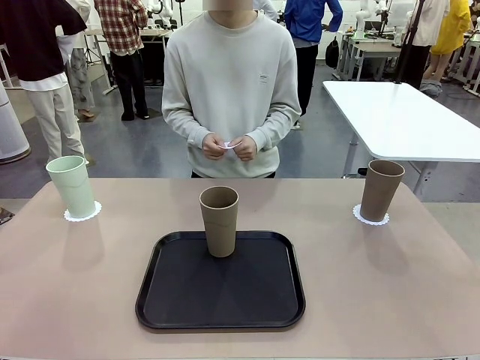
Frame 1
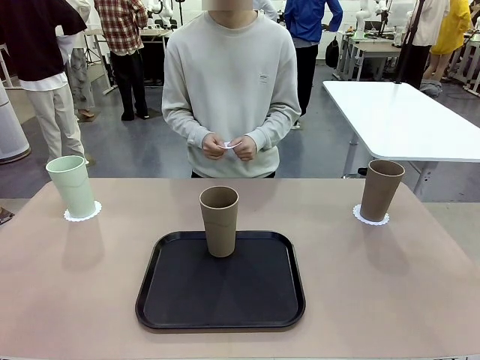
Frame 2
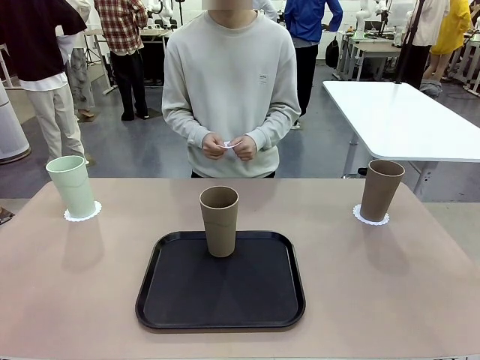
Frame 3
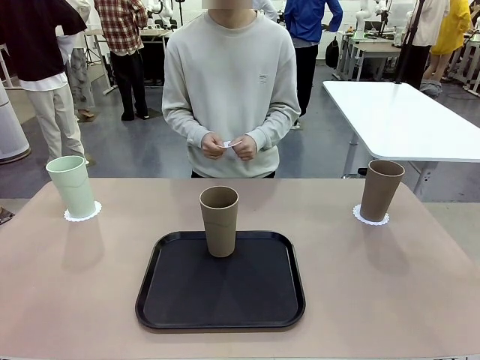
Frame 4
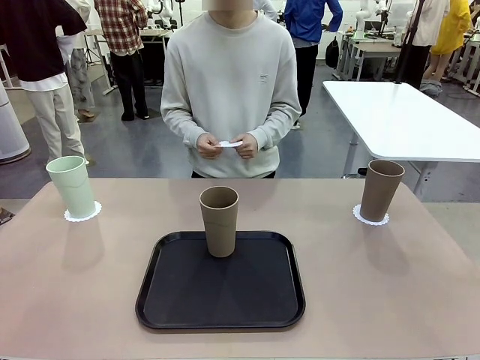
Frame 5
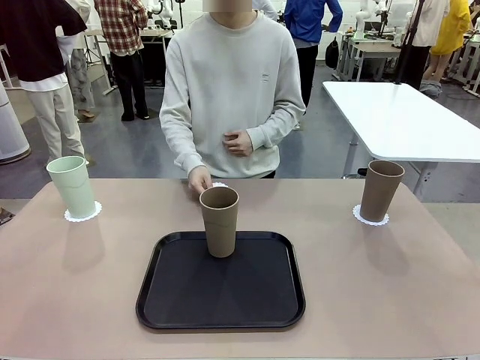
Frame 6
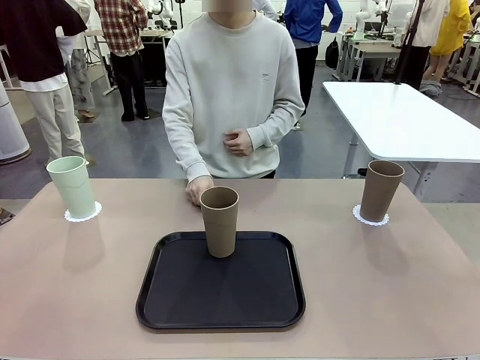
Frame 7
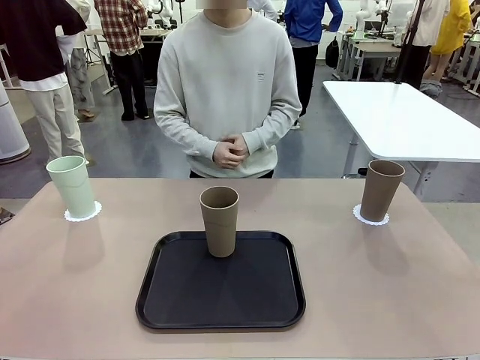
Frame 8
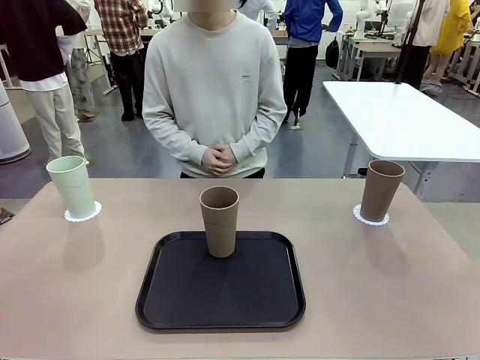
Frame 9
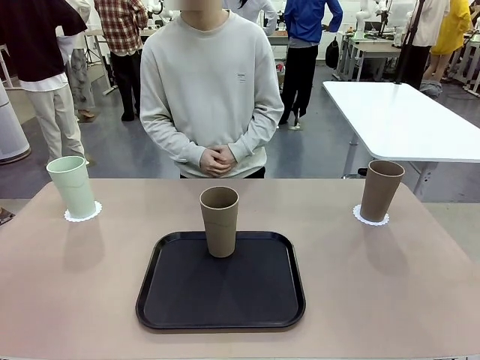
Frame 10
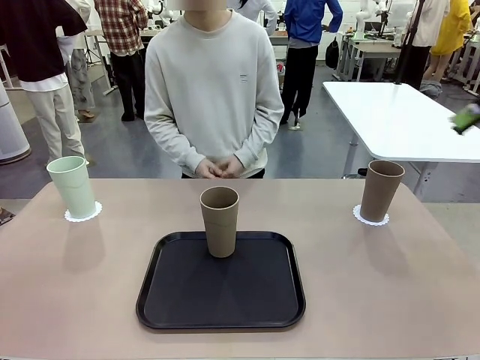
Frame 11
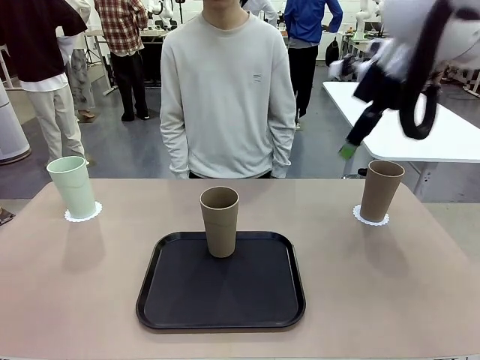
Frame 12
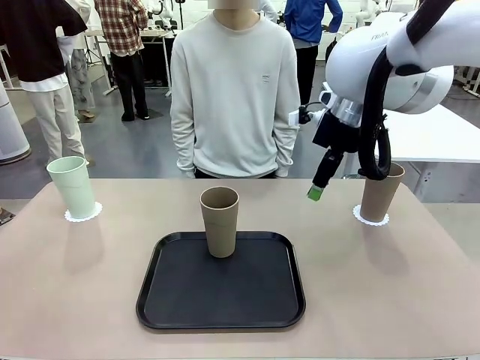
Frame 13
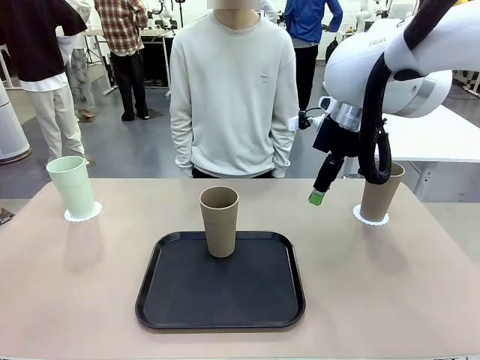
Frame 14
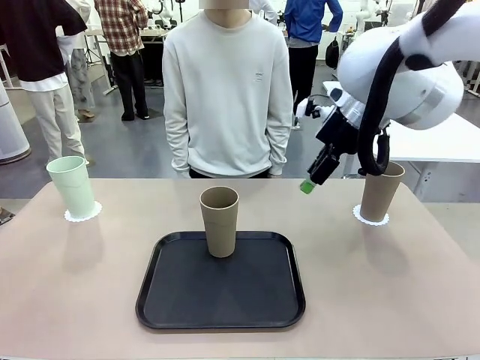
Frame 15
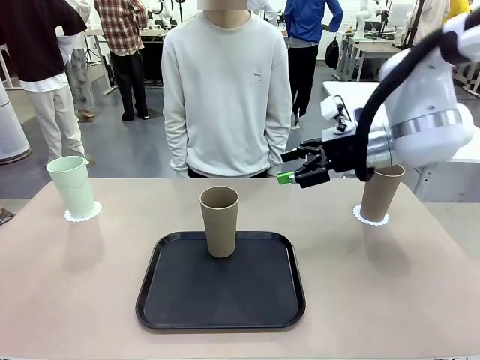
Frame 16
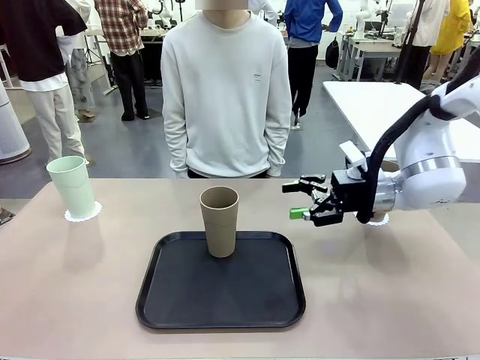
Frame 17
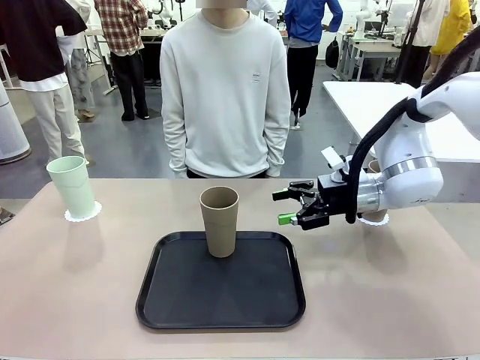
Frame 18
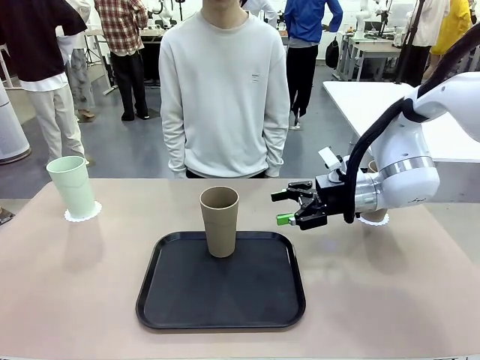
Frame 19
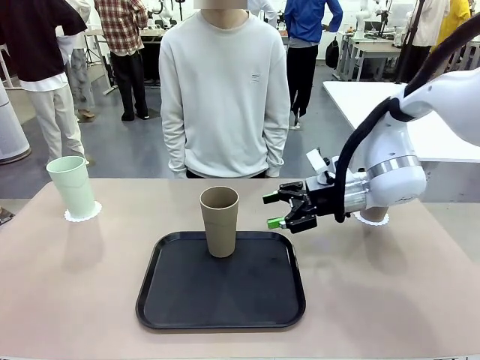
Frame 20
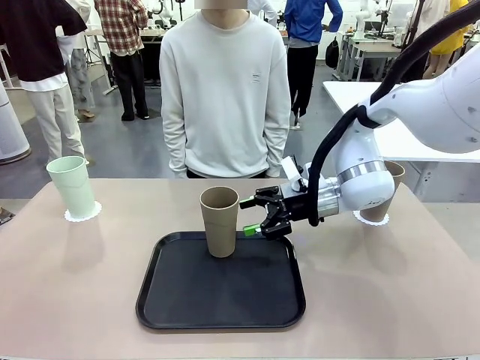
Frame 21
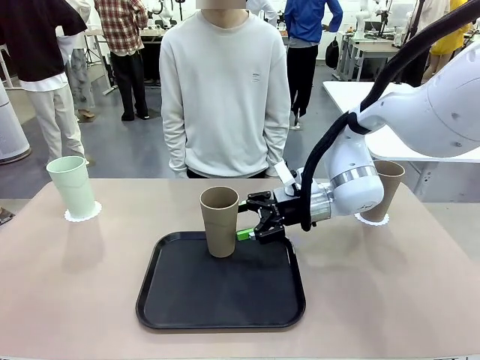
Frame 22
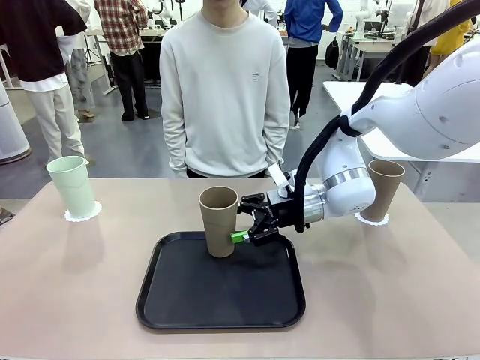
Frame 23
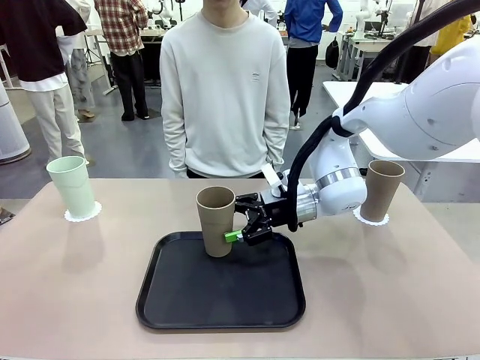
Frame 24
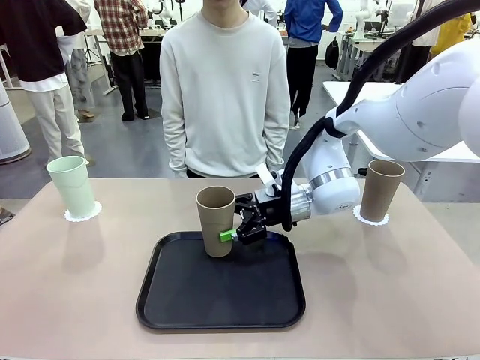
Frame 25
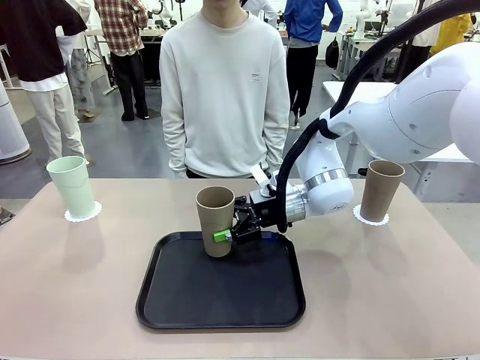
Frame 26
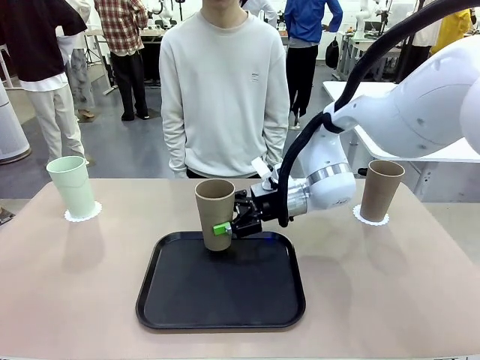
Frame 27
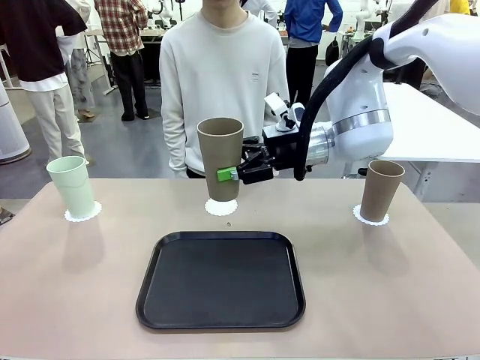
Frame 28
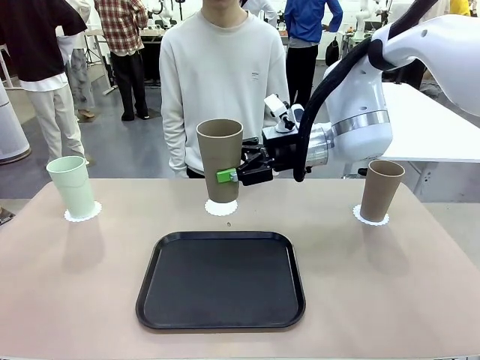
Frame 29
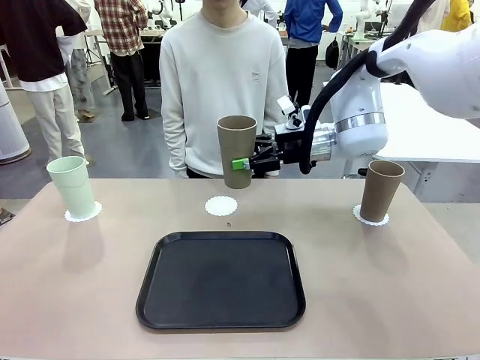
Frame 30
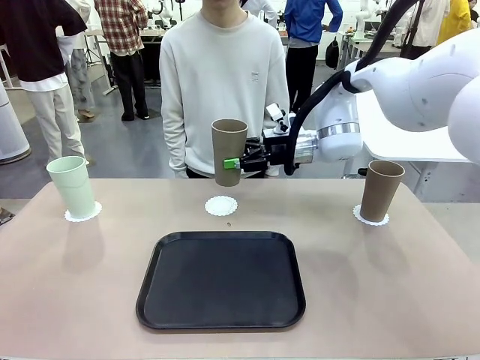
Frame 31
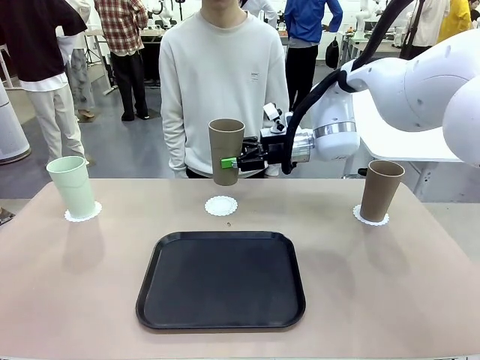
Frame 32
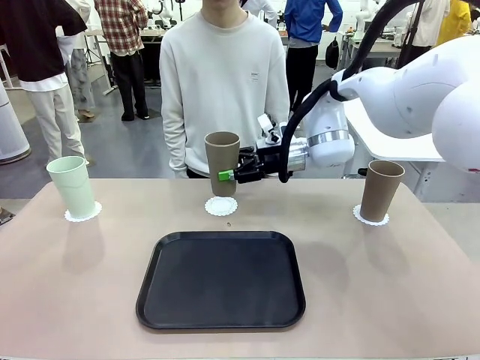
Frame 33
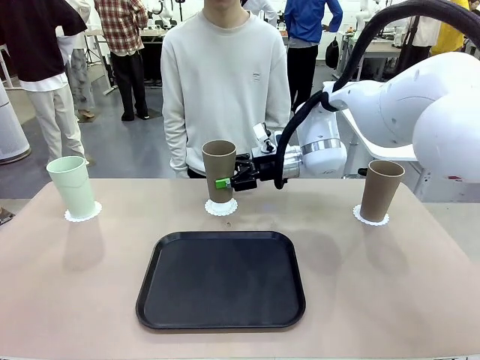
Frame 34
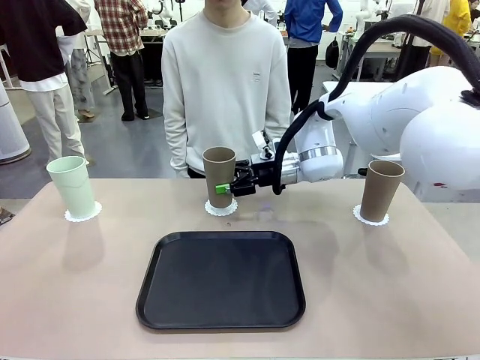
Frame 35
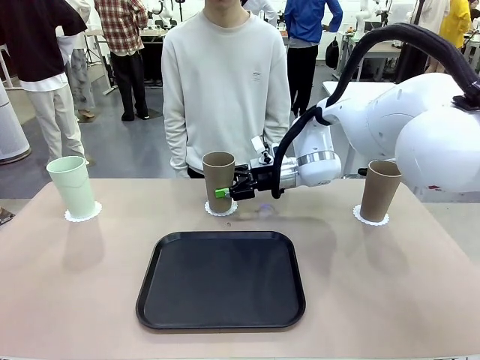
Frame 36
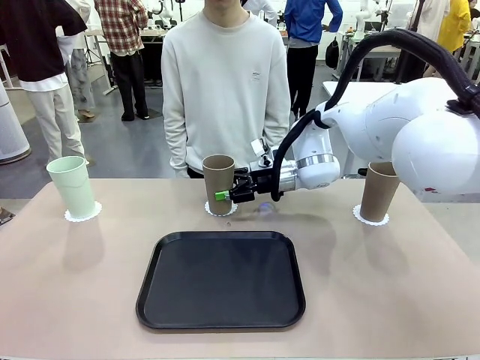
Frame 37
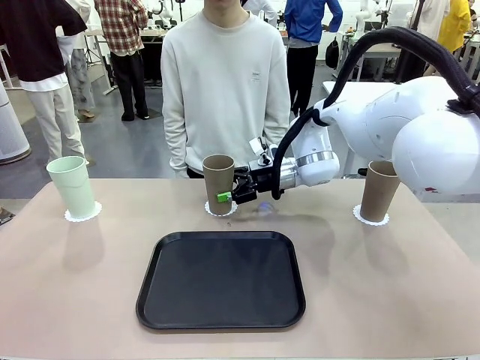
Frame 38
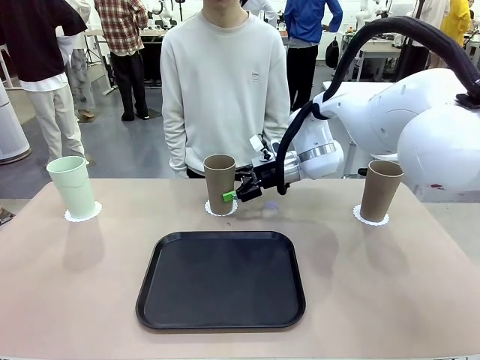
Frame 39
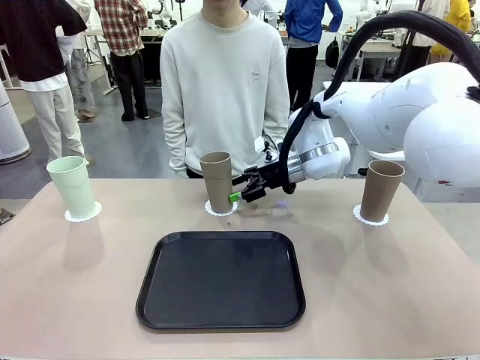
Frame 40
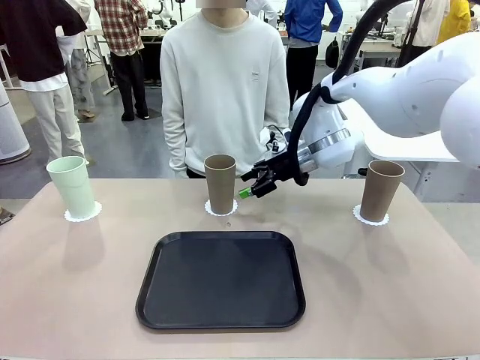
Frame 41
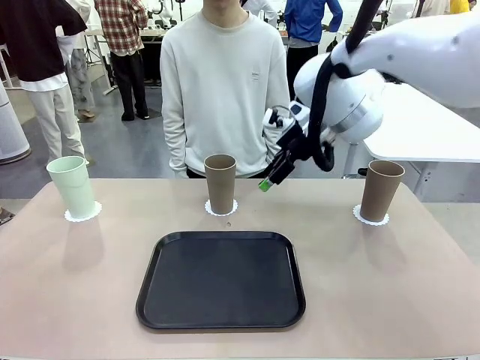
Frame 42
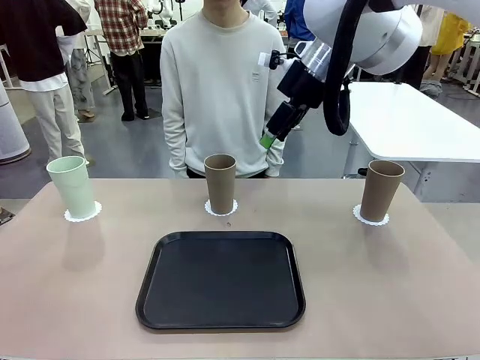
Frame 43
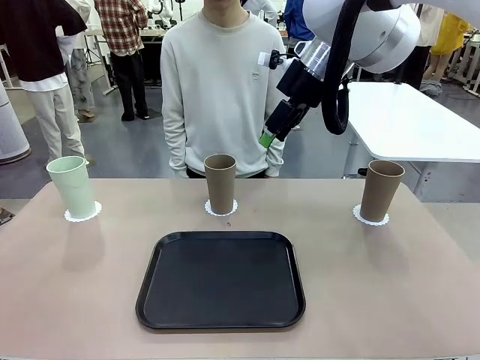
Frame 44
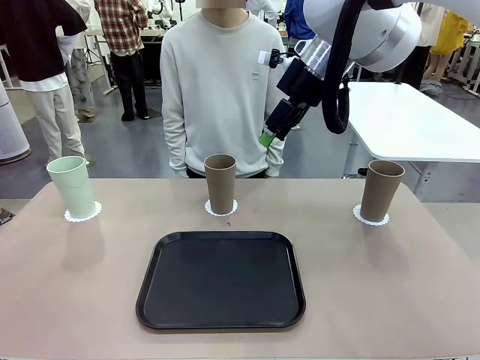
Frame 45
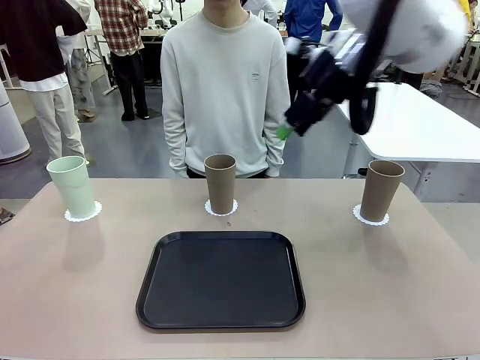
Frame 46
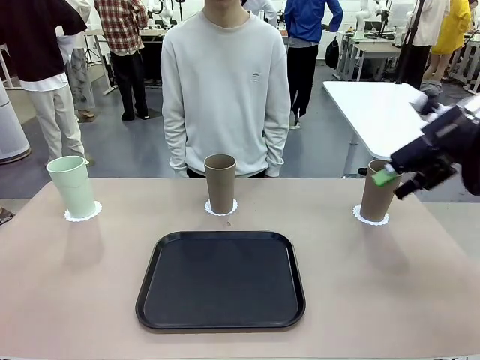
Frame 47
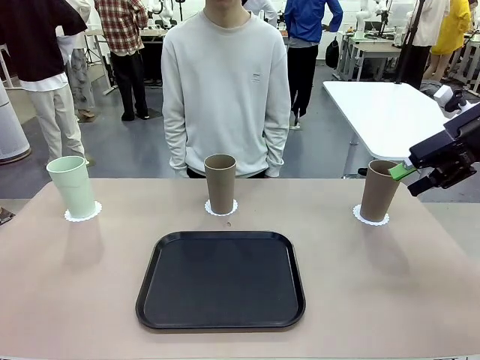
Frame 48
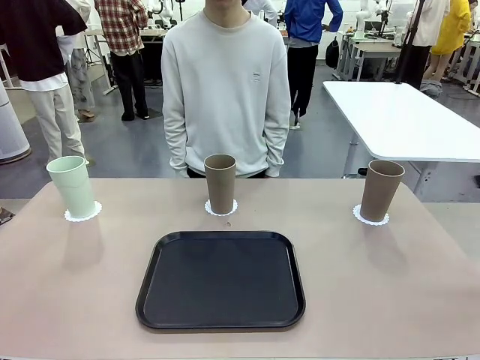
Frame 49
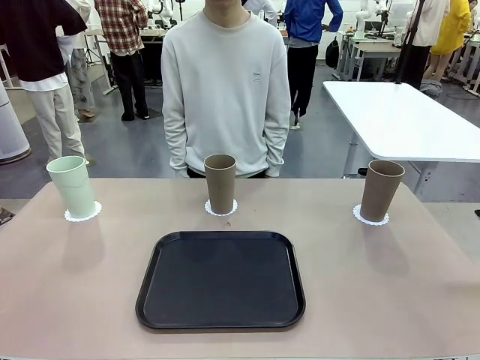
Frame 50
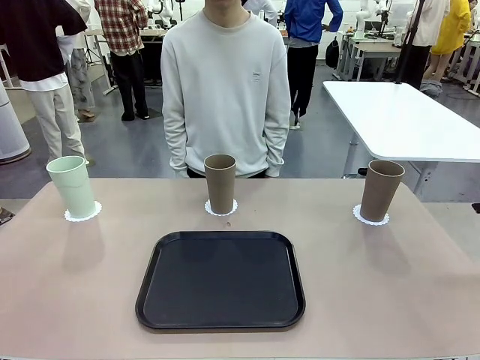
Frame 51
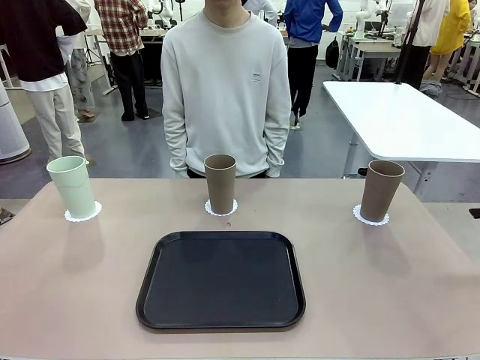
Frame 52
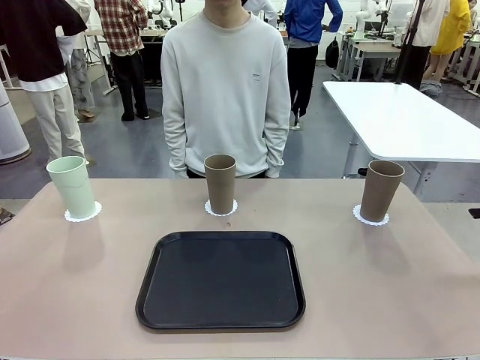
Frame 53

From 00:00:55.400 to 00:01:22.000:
Task: Place coasters on the table and set cups on them.
Robot: Take one Reusable plastic cup from the Flat Tray and place it on a coaster set by the human.
Person: Place one coaster in the only remaining area.
